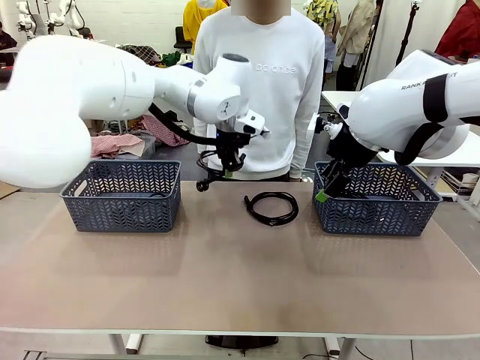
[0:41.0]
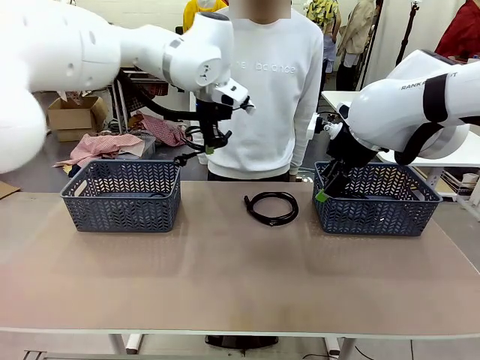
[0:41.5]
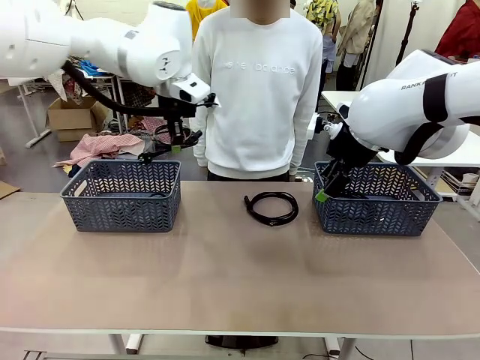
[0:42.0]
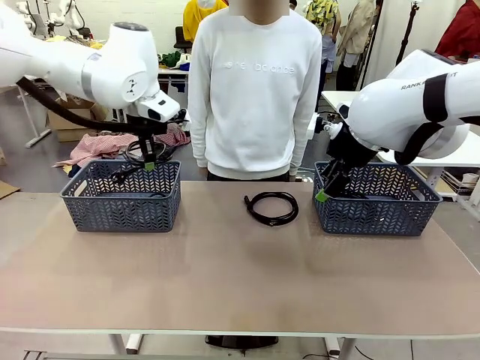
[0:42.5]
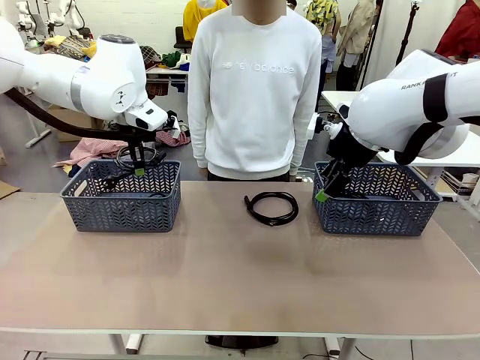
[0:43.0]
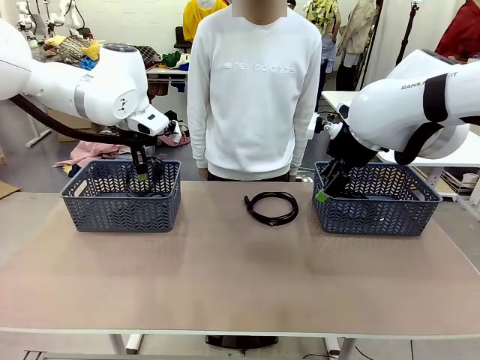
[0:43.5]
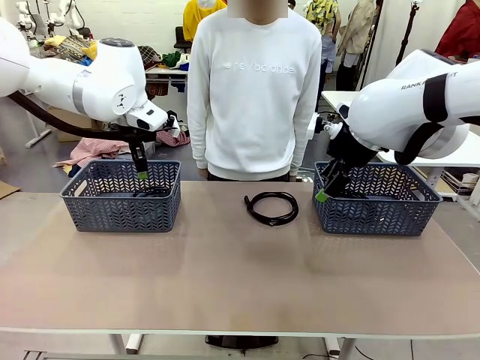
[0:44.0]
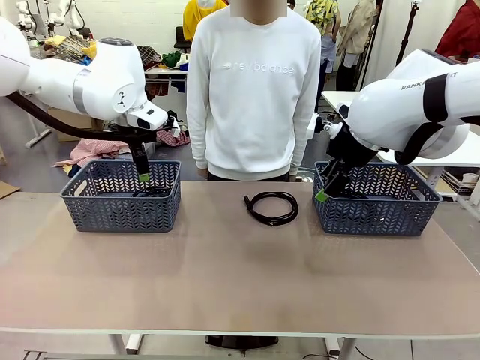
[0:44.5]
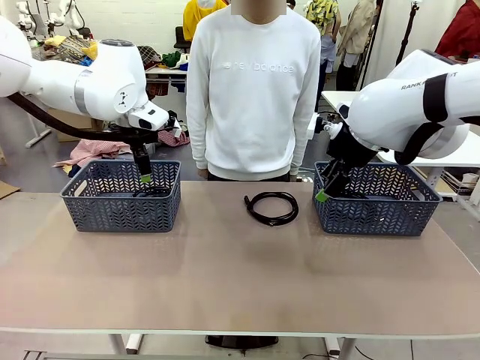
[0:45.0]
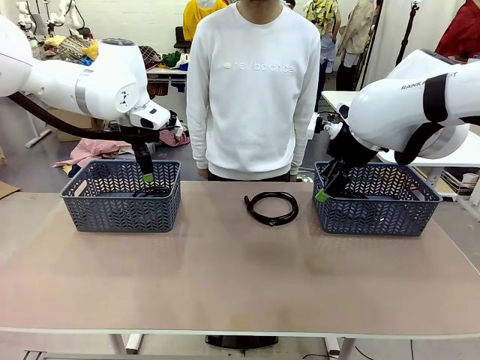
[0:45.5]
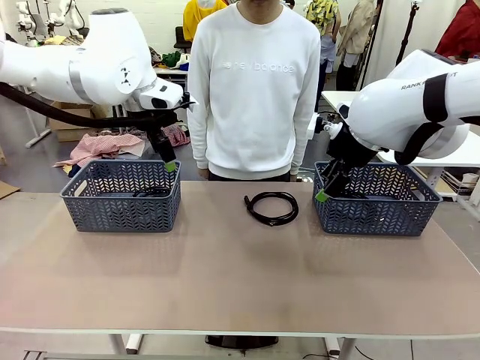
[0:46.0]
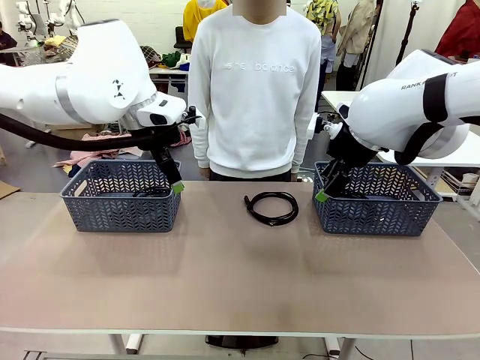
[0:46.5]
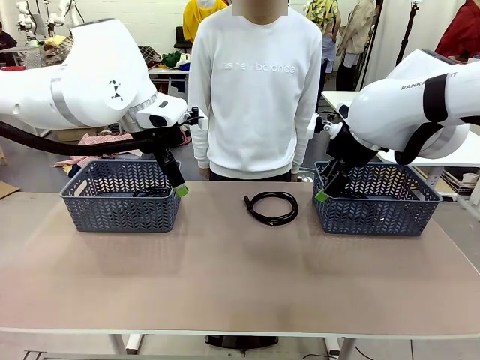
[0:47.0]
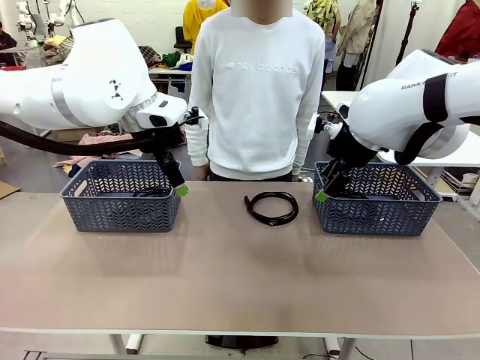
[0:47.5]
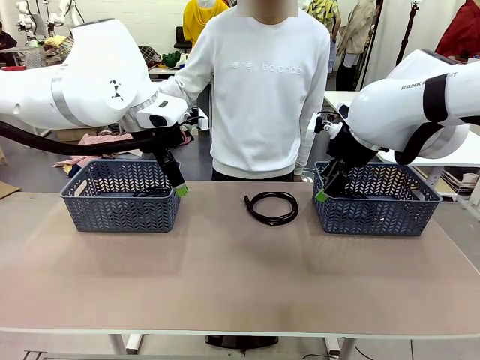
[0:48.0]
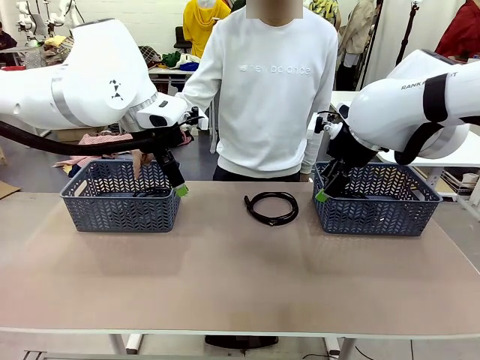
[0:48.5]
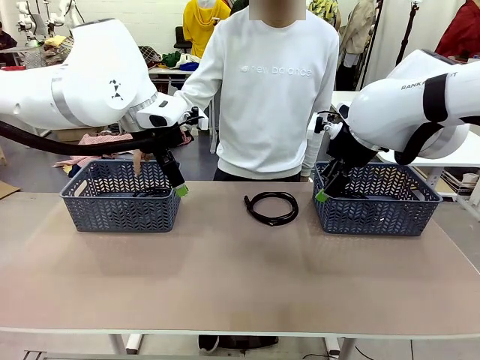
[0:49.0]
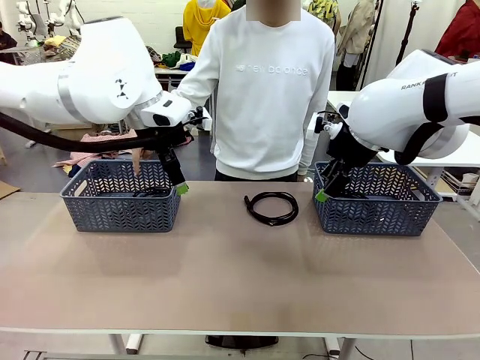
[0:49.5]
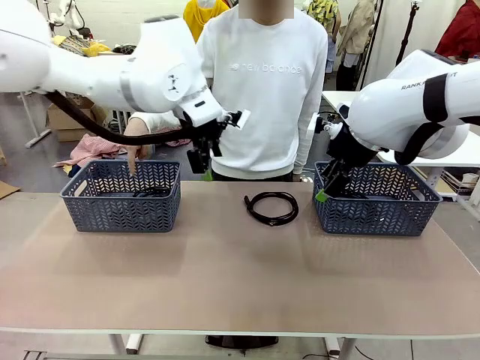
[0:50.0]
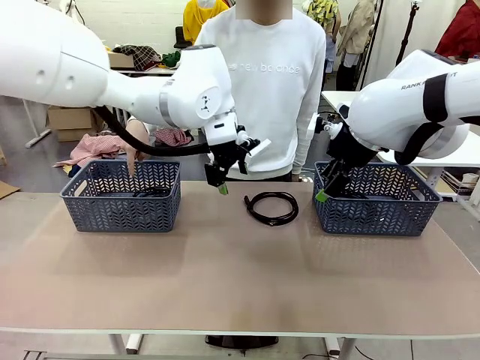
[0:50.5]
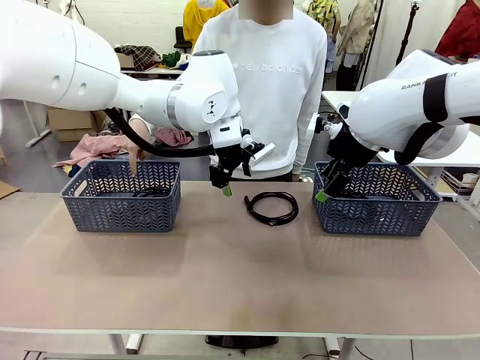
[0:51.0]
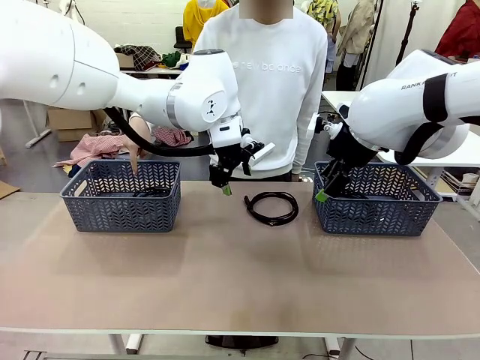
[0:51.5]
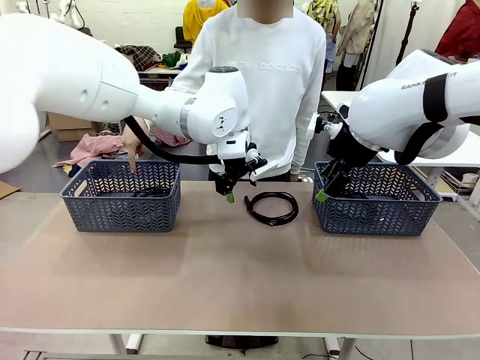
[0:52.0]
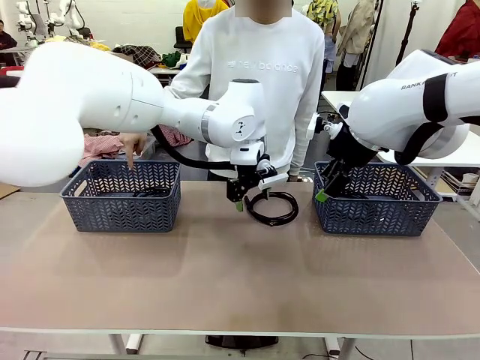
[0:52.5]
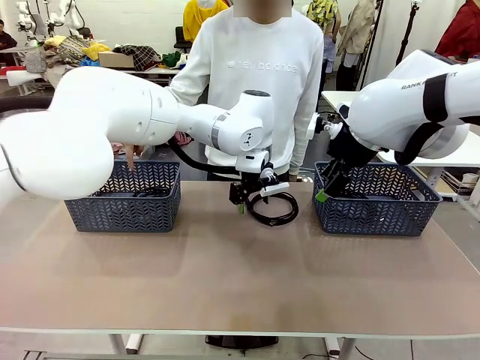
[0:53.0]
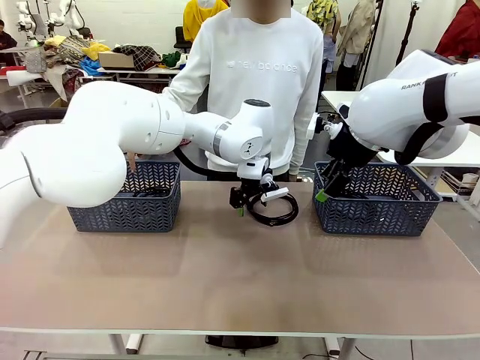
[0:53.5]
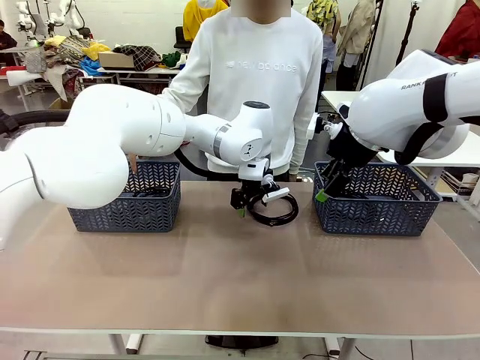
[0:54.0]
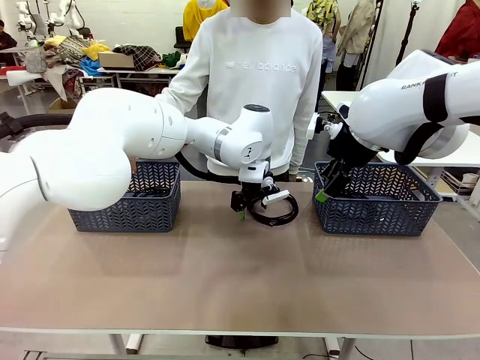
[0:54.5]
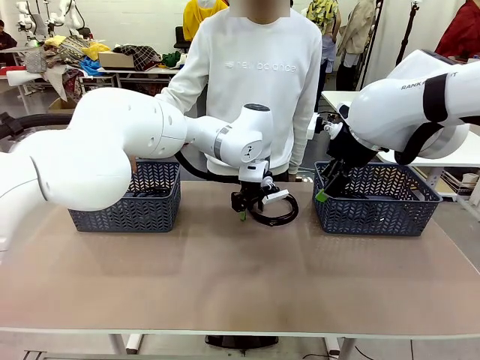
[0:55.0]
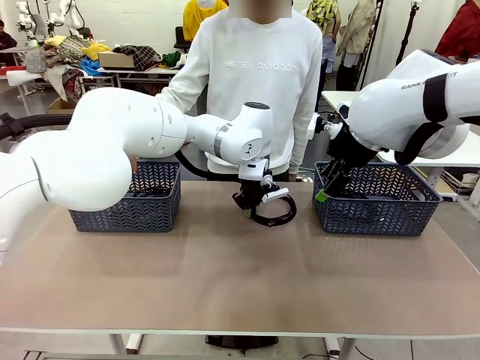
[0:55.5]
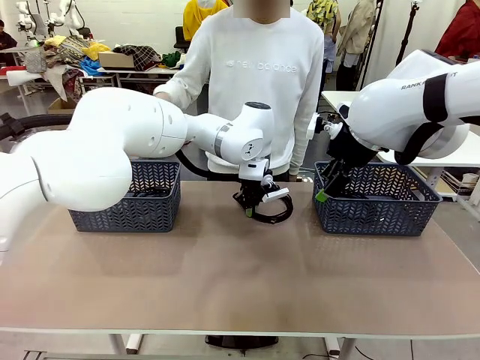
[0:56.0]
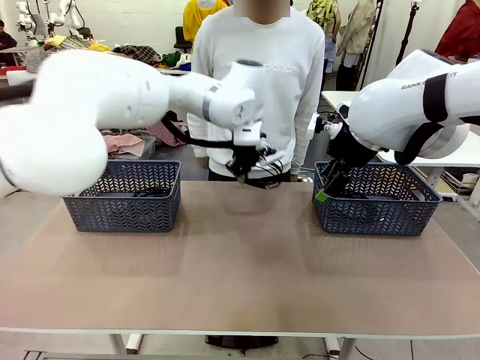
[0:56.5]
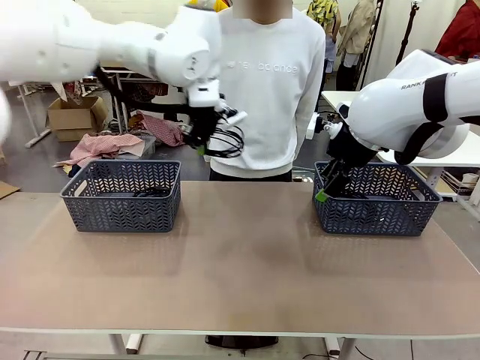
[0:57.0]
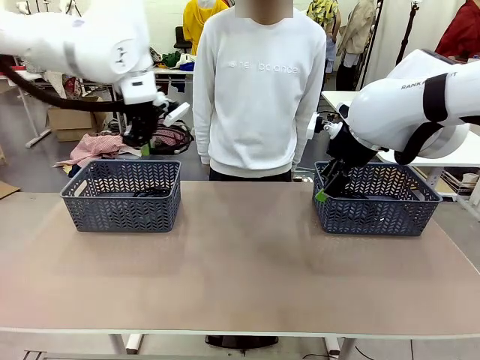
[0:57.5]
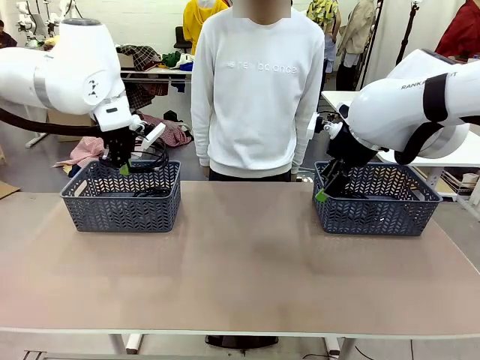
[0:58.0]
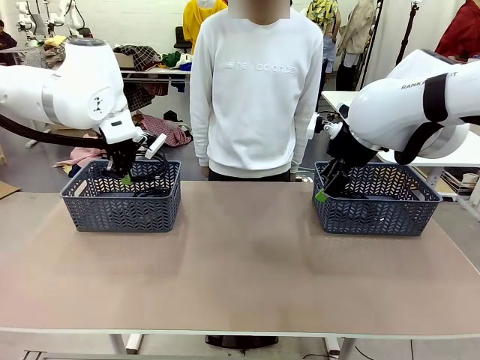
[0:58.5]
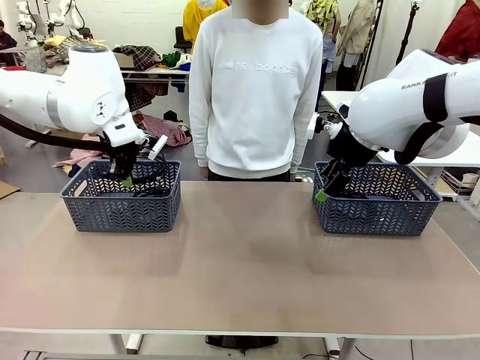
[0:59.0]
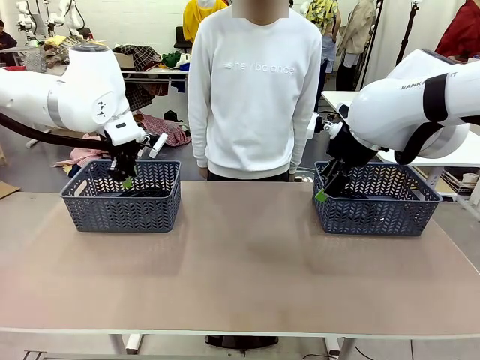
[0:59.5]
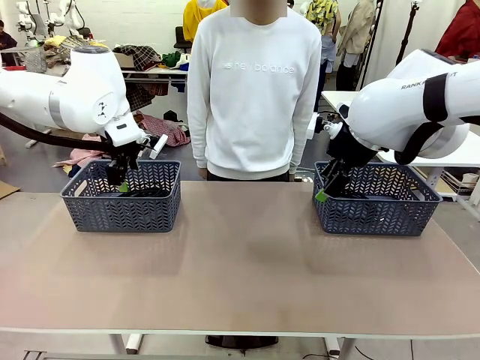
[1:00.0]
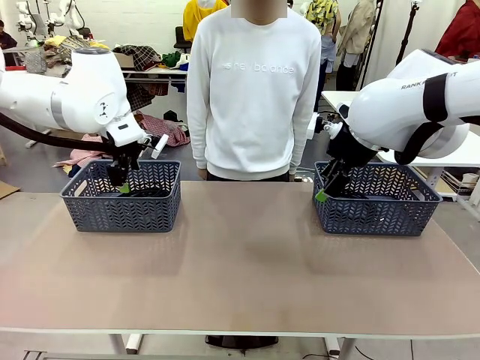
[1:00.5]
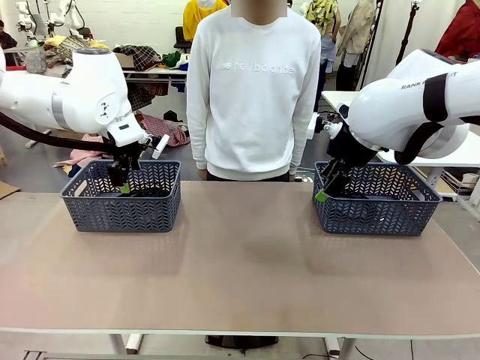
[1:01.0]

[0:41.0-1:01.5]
Task: Organize the cables according to human instructions.
Robot: Pick up a bundle of cables and place it in the basket indicated by the human.

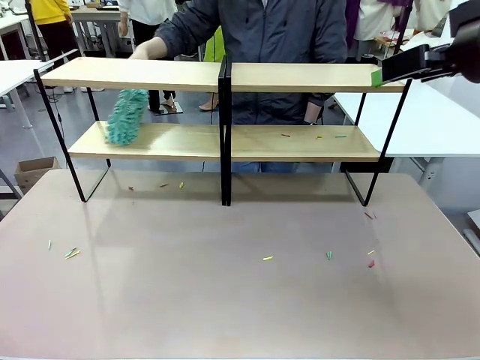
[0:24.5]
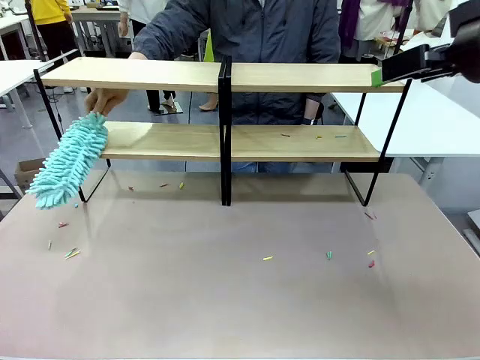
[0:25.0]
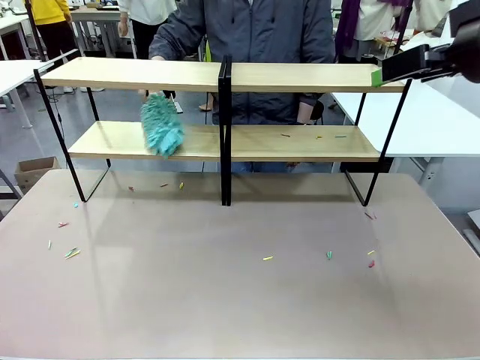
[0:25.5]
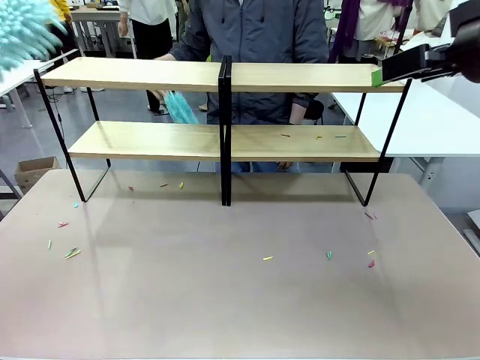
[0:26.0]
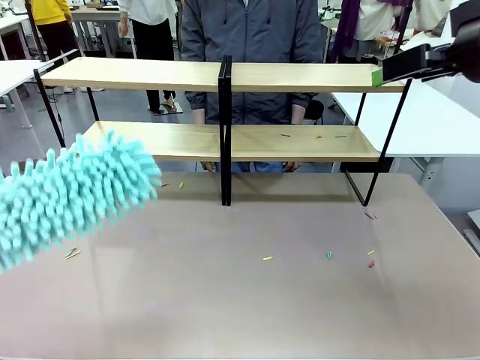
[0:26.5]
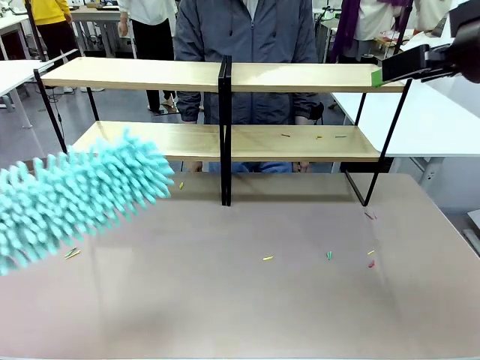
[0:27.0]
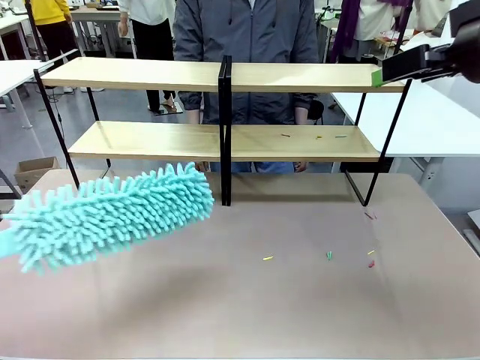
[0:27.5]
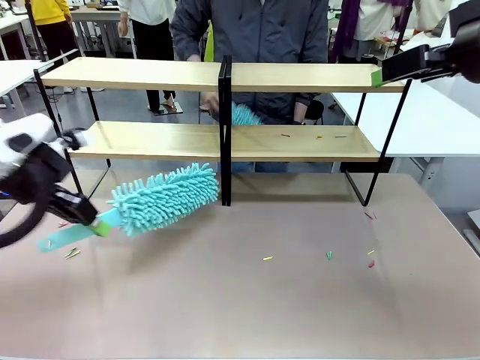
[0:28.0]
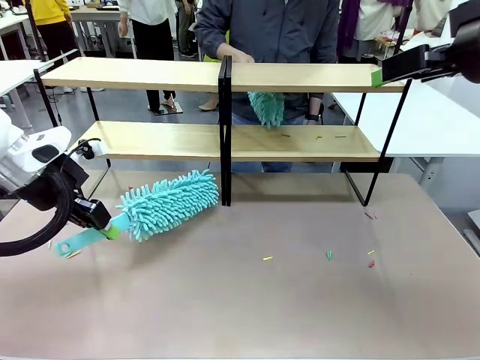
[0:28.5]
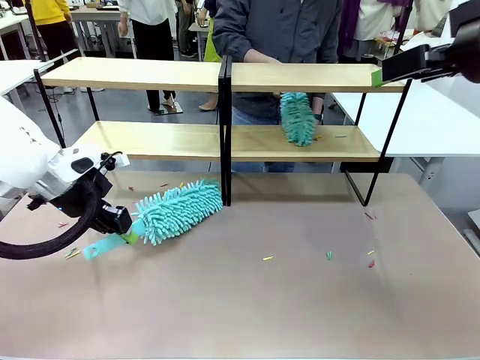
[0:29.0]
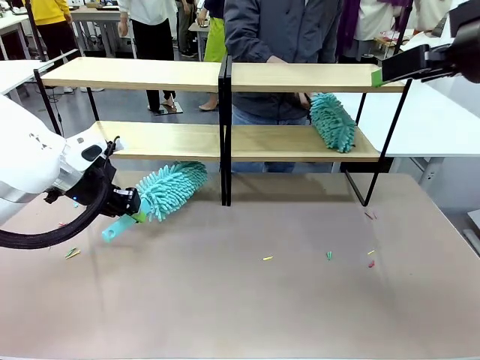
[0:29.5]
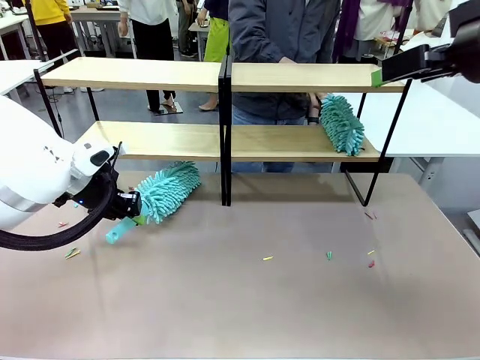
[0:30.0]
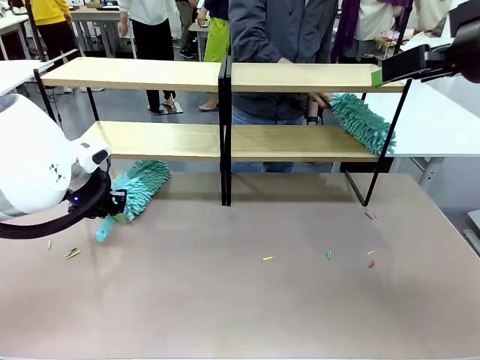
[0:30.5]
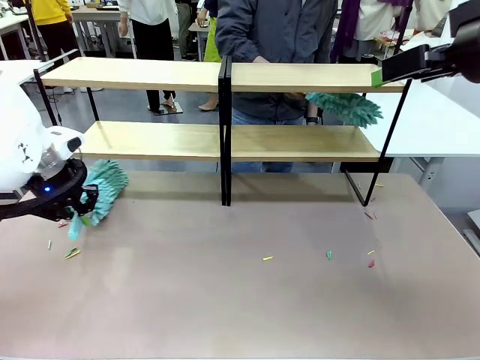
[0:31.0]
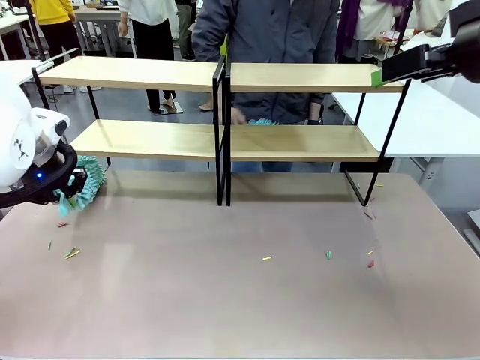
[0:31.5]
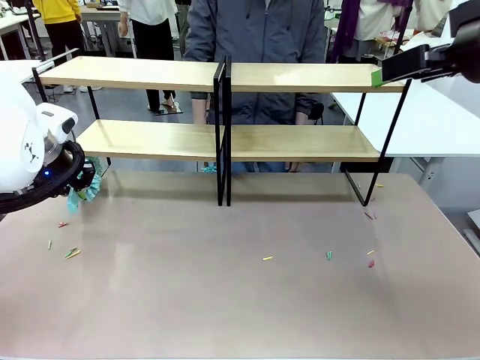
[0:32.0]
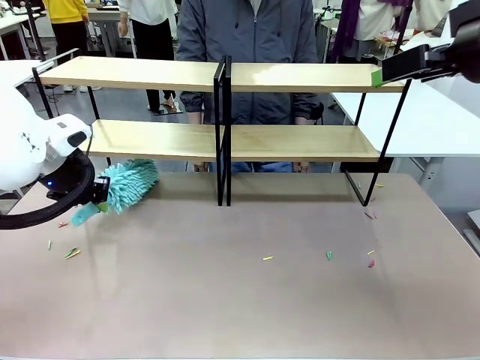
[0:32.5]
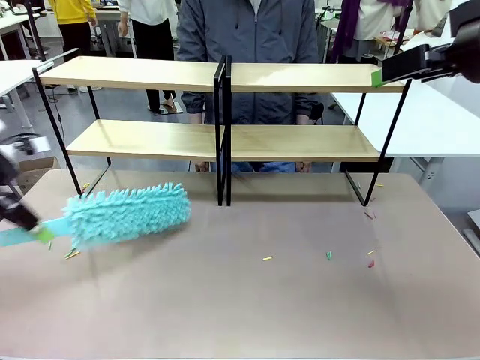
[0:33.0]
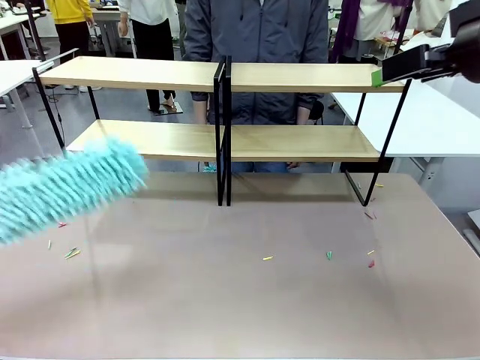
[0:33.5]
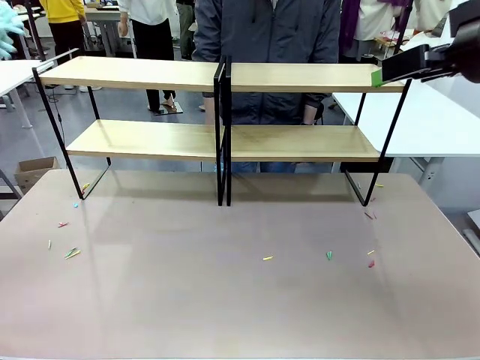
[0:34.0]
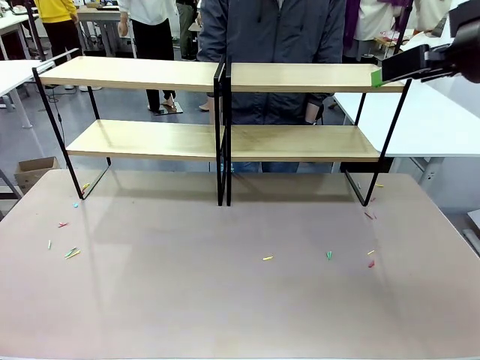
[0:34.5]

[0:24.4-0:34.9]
Task: Clean the shelves.
Robot: Clean another randomly selected level of the Shelf with the Duster.
